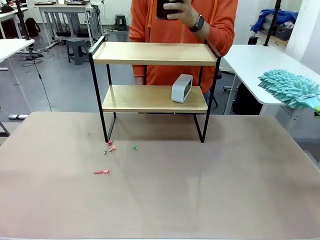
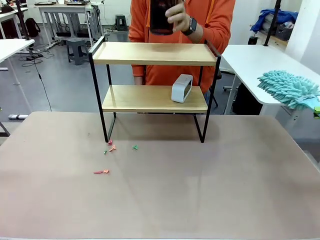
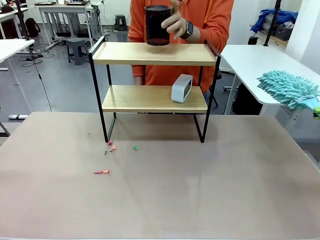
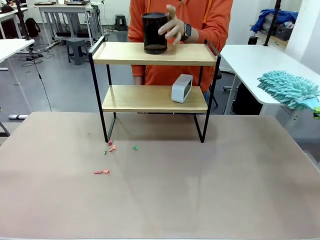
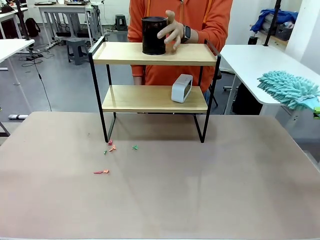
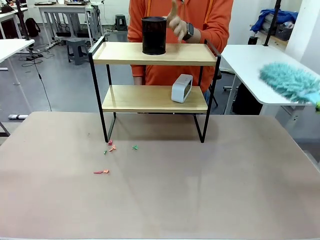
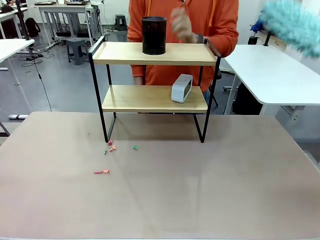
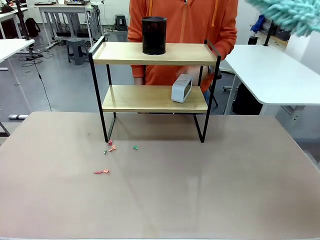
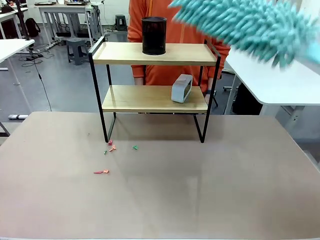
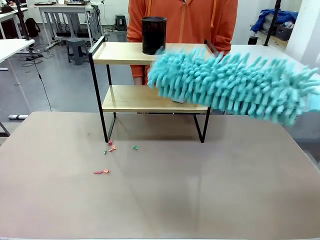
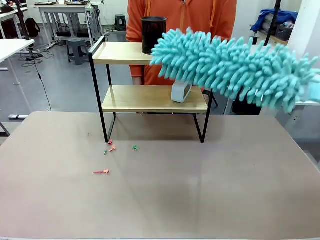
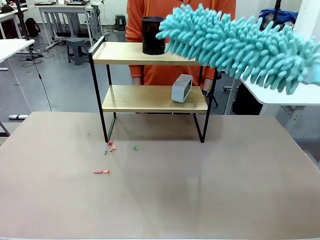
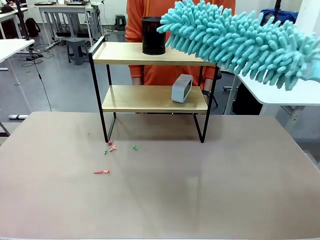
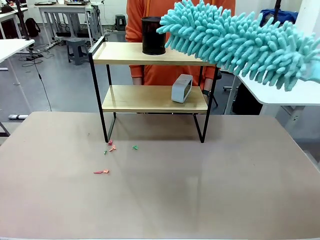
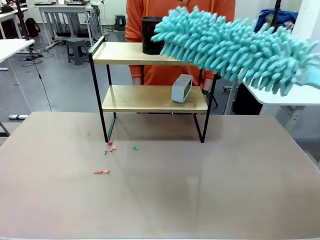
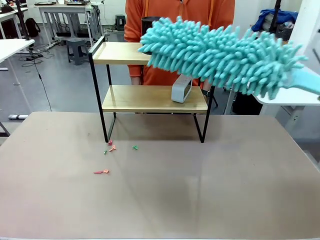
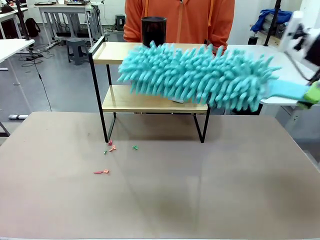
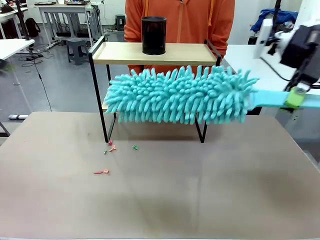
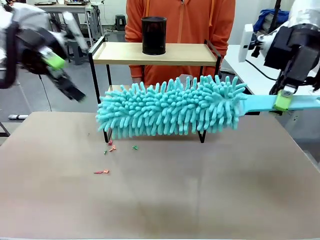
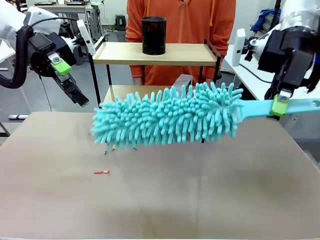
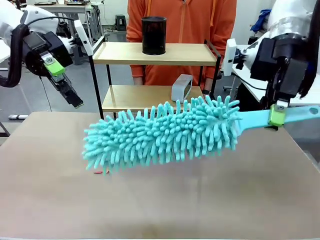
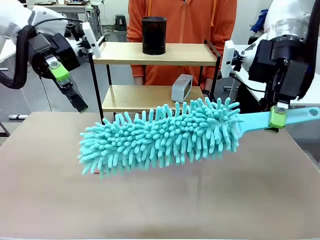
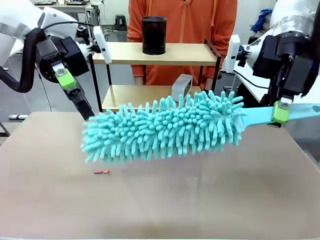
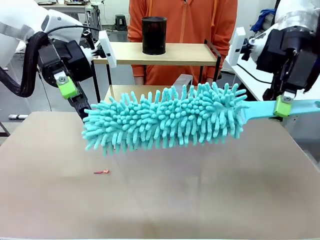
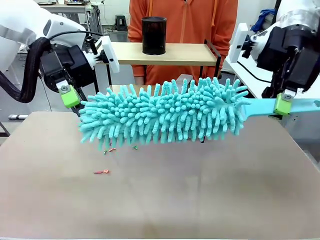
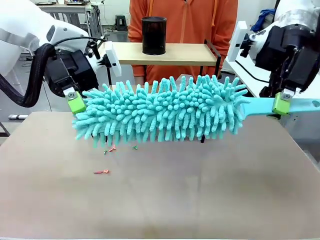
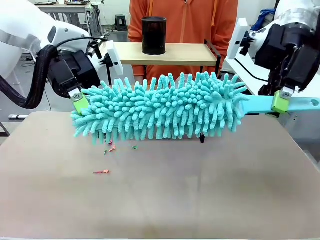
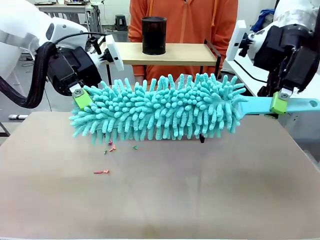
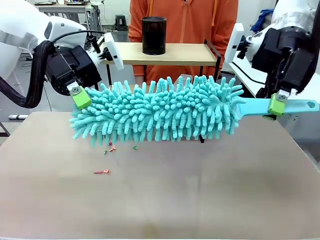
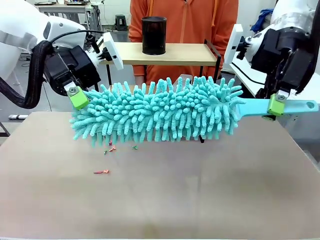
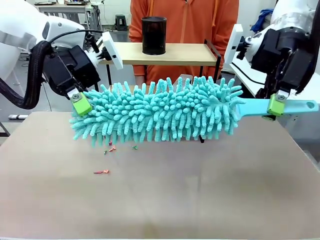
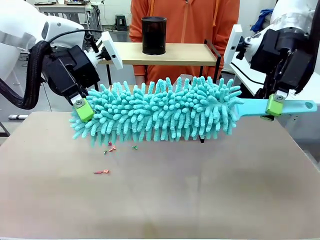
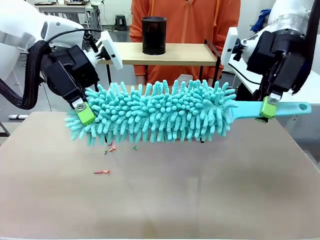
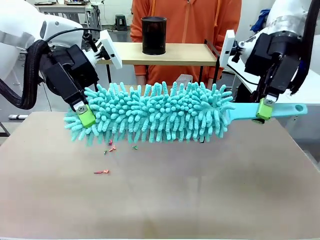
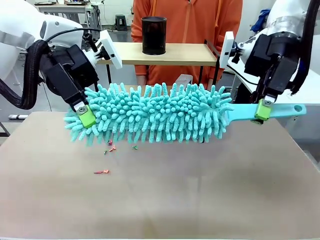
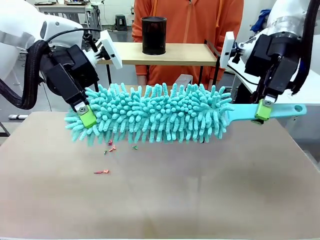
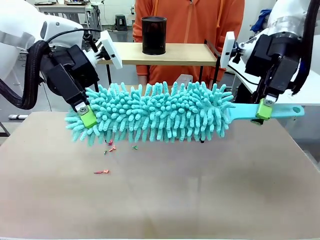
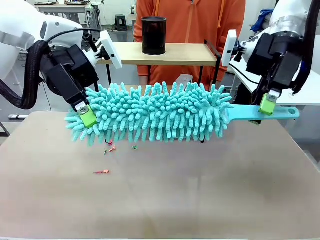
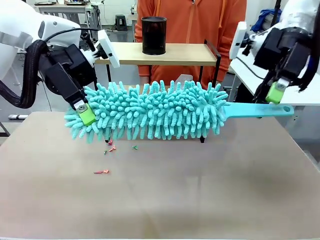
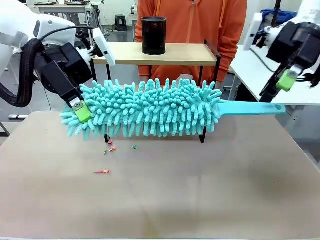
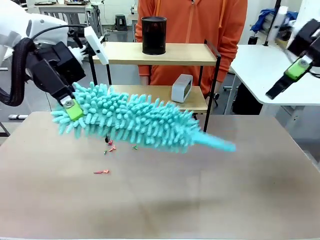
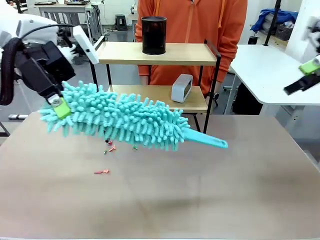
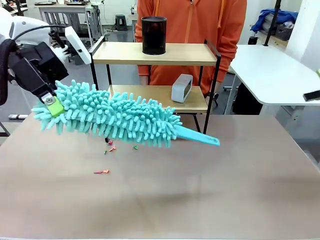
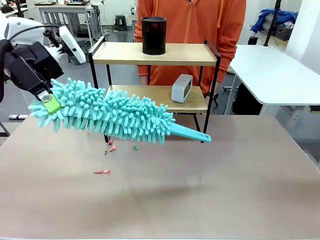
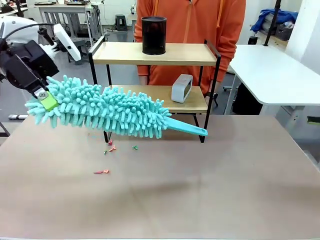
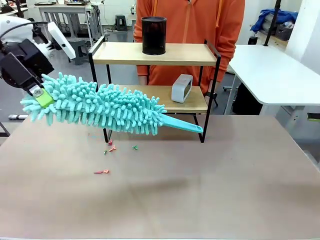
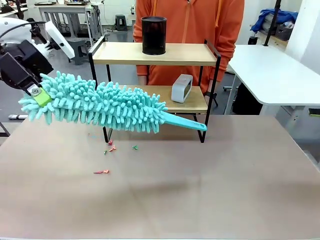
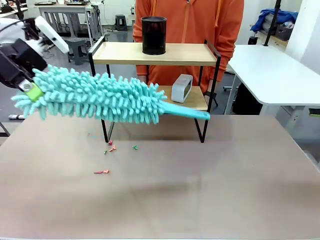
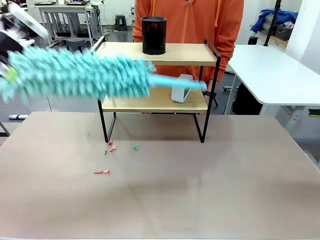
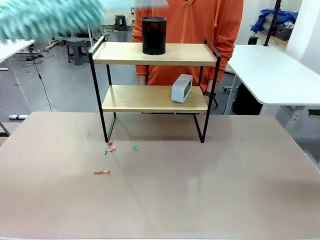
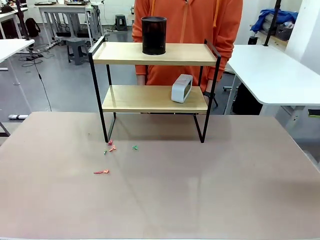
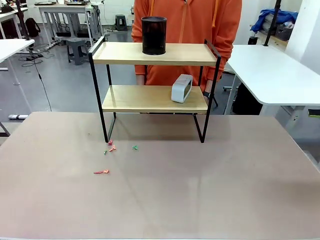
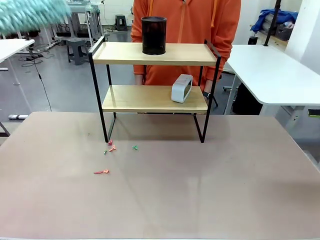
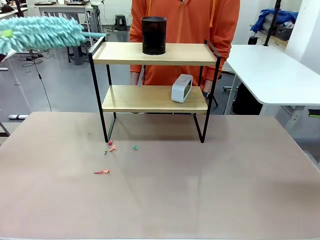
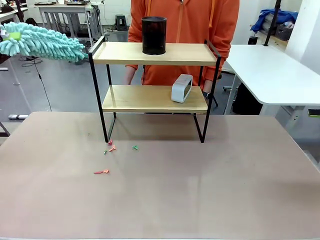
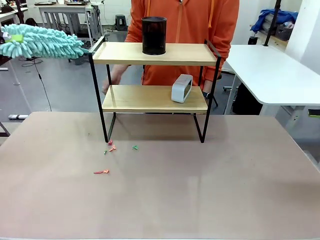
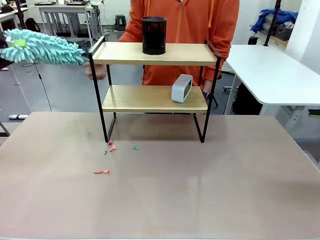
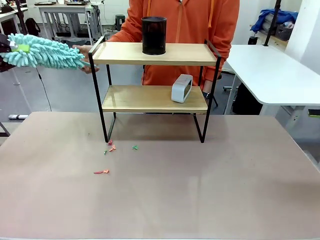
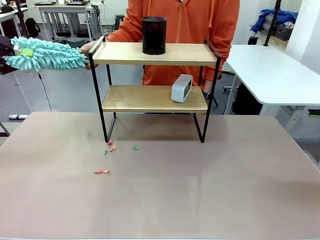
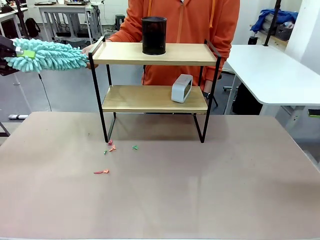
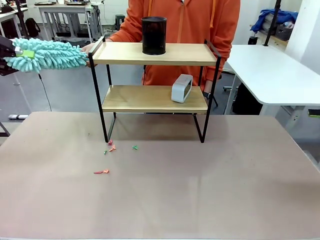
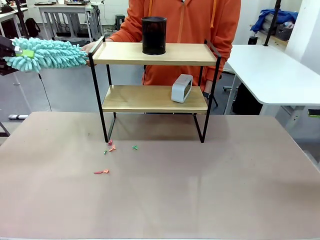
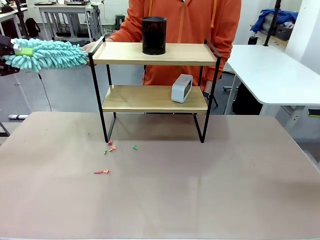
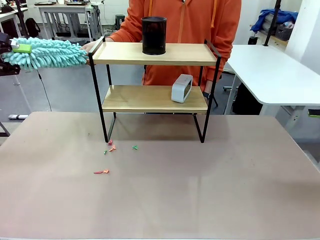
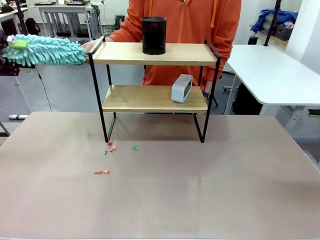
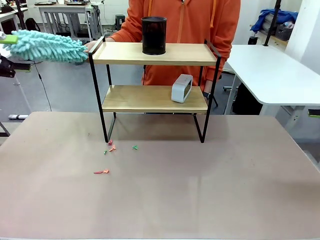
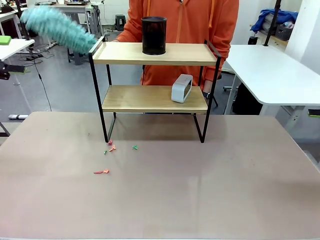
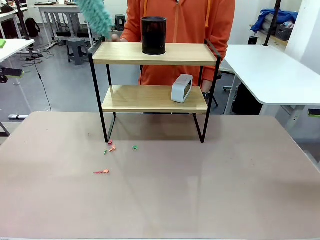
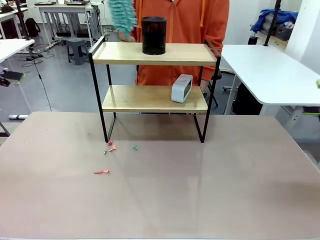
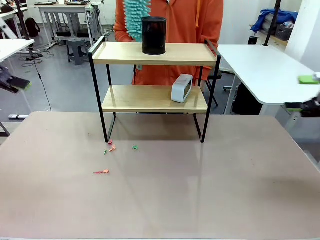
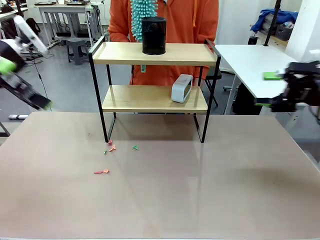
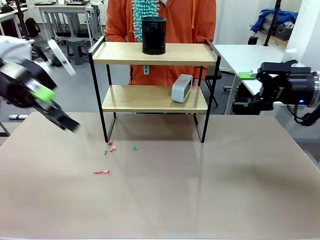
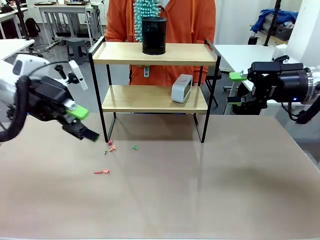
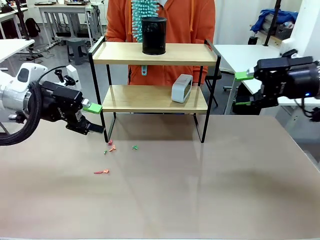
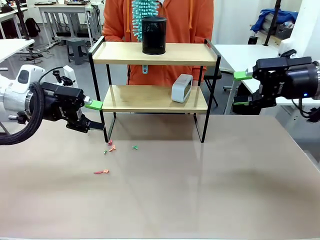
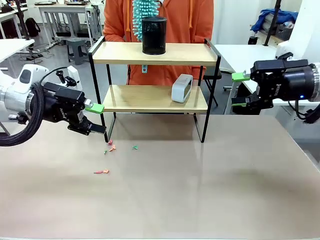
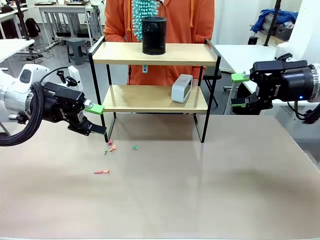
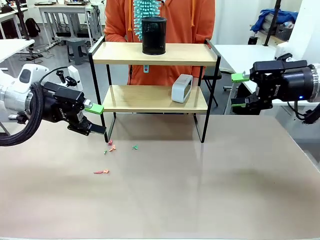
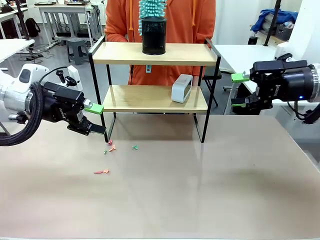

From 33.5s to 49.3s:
Task: Clean the shelf.
Robot: Hand the Duster back to the human.
Person: Receive the Duster from the robot.
